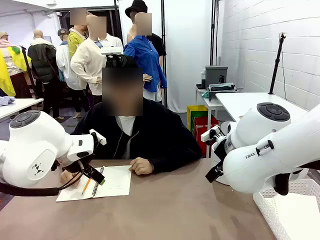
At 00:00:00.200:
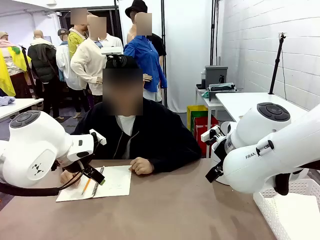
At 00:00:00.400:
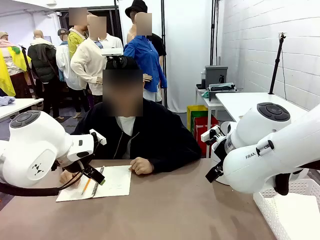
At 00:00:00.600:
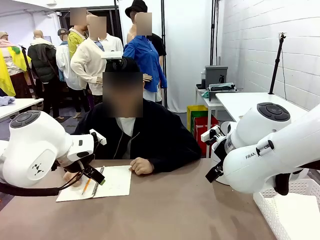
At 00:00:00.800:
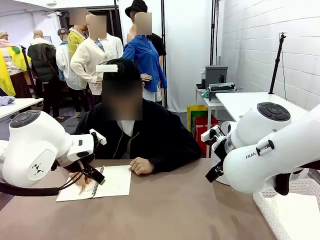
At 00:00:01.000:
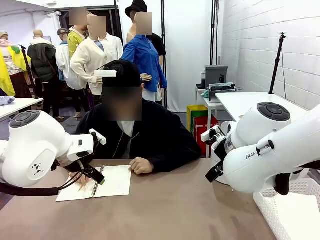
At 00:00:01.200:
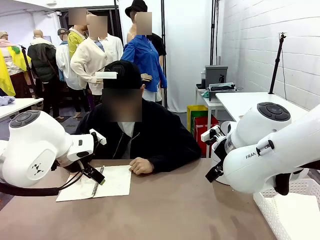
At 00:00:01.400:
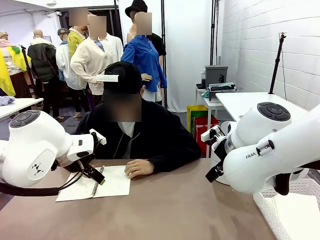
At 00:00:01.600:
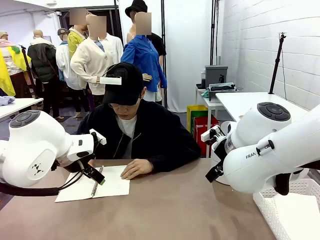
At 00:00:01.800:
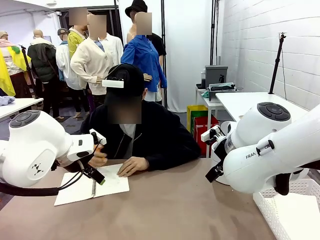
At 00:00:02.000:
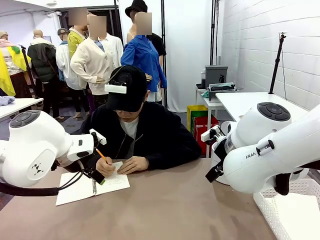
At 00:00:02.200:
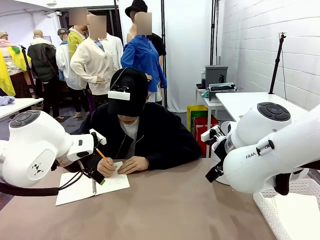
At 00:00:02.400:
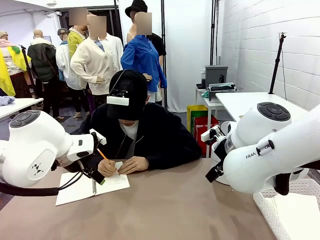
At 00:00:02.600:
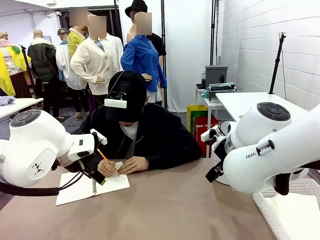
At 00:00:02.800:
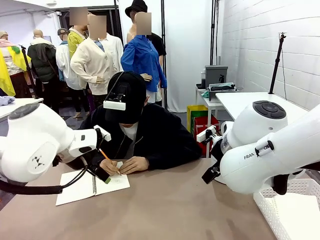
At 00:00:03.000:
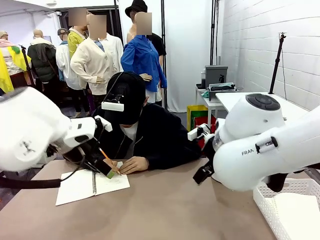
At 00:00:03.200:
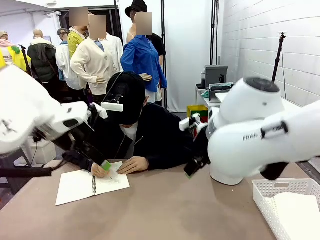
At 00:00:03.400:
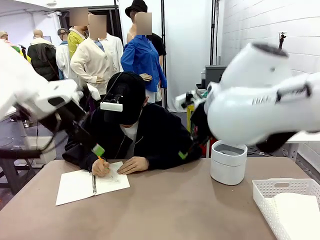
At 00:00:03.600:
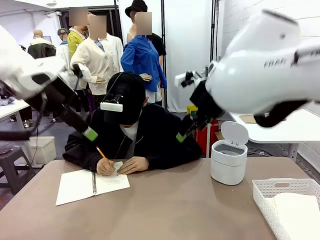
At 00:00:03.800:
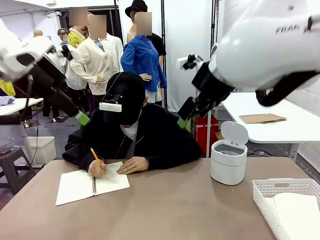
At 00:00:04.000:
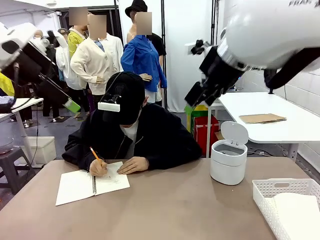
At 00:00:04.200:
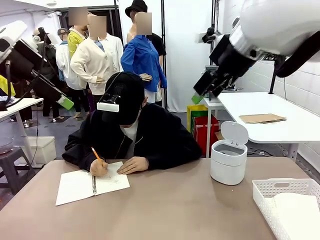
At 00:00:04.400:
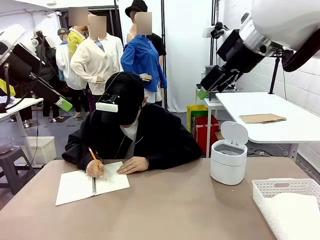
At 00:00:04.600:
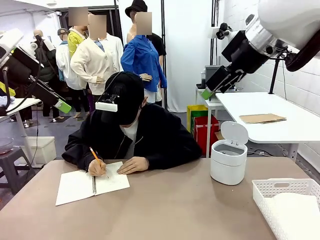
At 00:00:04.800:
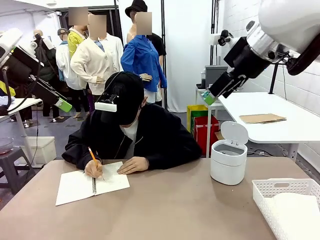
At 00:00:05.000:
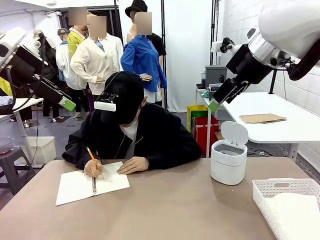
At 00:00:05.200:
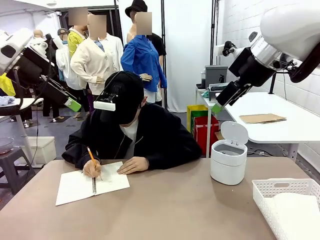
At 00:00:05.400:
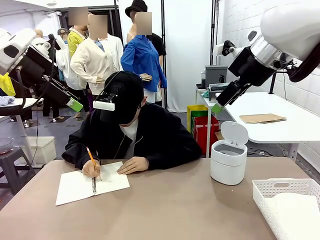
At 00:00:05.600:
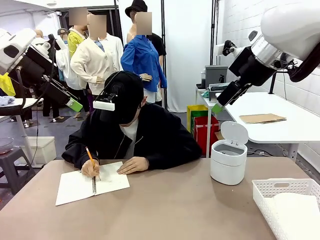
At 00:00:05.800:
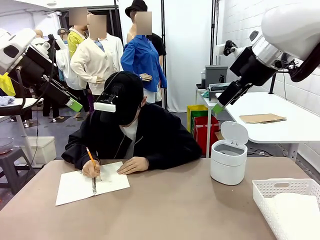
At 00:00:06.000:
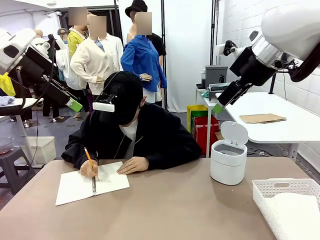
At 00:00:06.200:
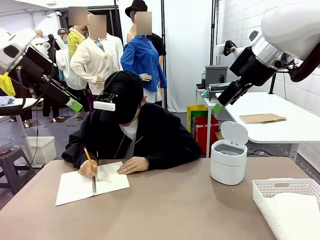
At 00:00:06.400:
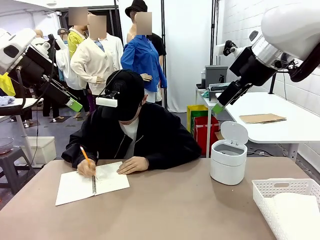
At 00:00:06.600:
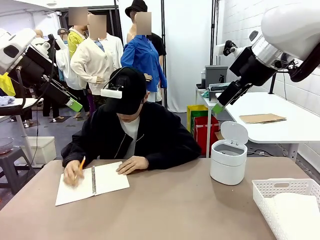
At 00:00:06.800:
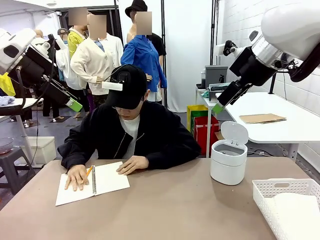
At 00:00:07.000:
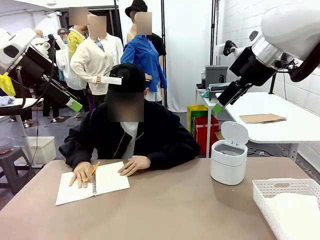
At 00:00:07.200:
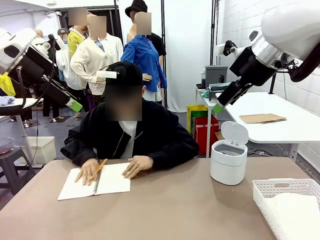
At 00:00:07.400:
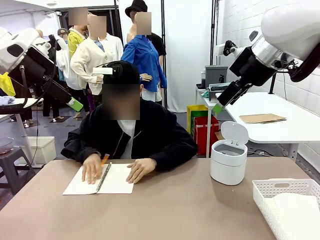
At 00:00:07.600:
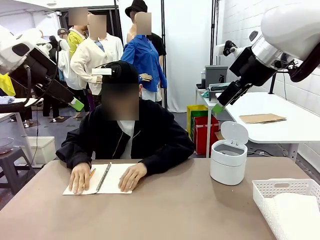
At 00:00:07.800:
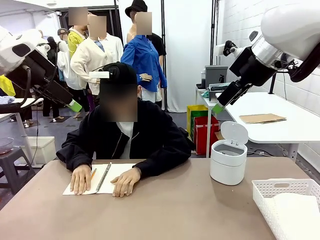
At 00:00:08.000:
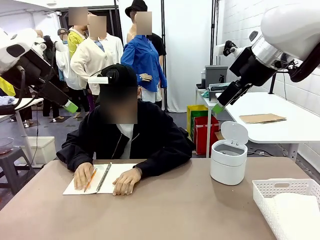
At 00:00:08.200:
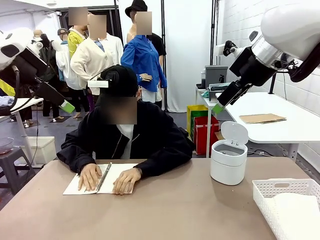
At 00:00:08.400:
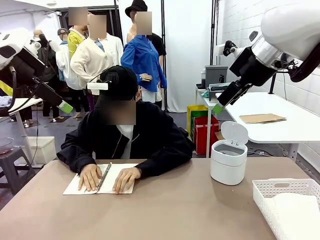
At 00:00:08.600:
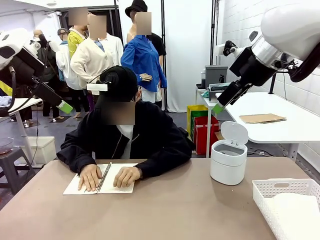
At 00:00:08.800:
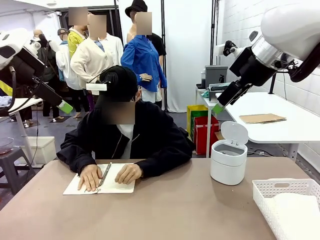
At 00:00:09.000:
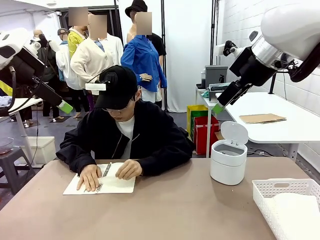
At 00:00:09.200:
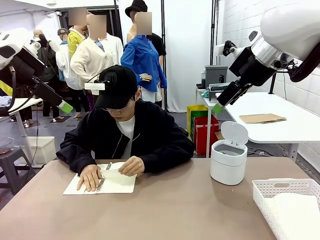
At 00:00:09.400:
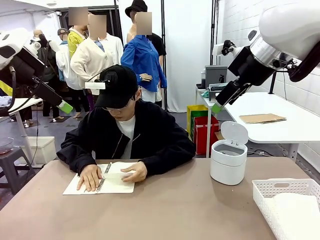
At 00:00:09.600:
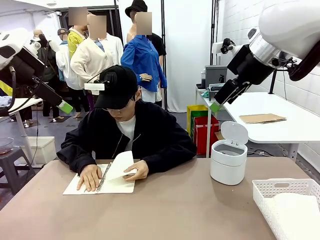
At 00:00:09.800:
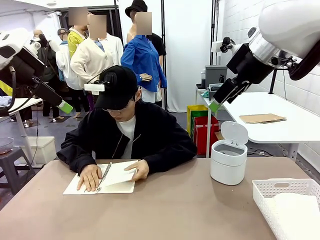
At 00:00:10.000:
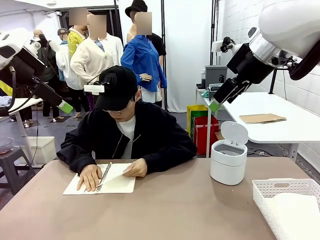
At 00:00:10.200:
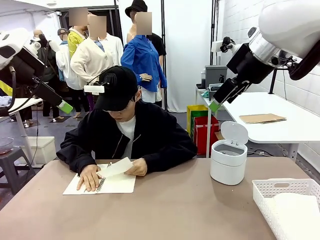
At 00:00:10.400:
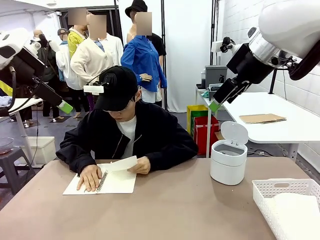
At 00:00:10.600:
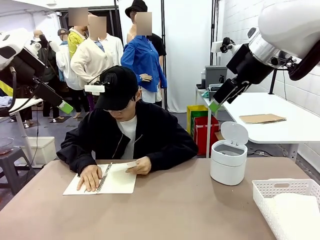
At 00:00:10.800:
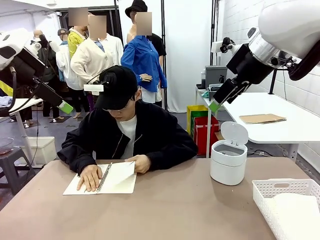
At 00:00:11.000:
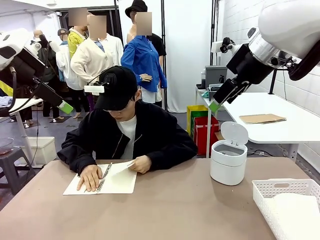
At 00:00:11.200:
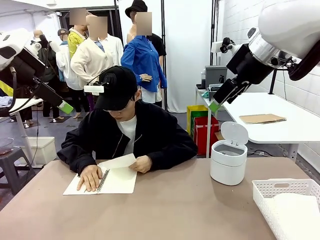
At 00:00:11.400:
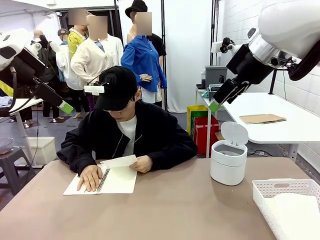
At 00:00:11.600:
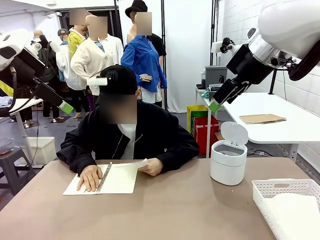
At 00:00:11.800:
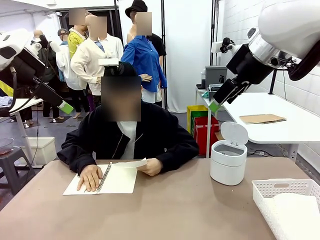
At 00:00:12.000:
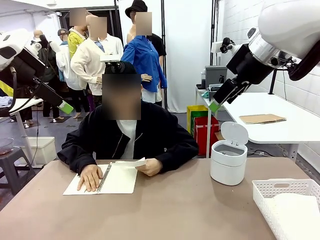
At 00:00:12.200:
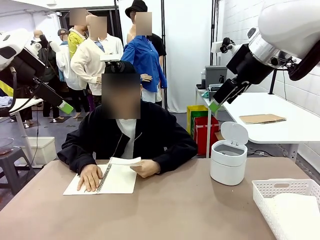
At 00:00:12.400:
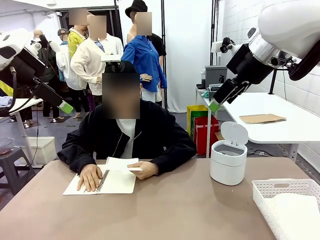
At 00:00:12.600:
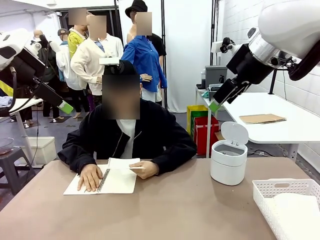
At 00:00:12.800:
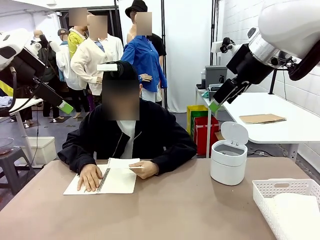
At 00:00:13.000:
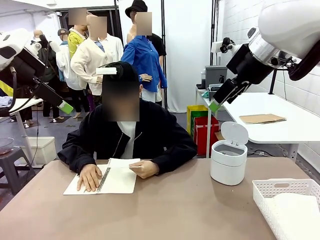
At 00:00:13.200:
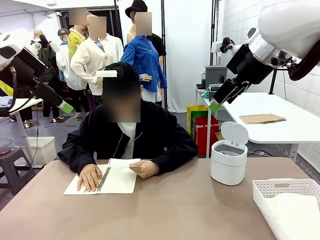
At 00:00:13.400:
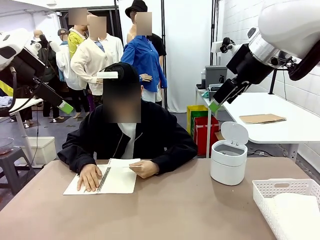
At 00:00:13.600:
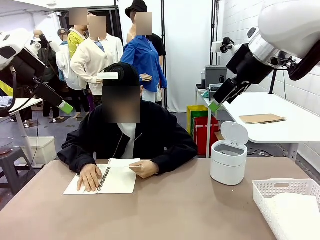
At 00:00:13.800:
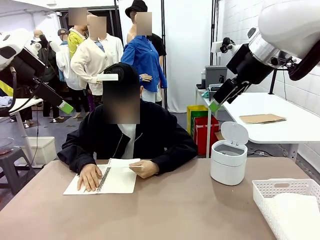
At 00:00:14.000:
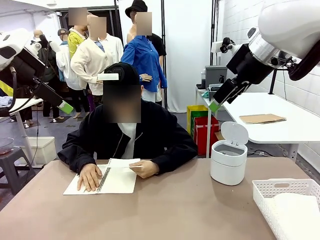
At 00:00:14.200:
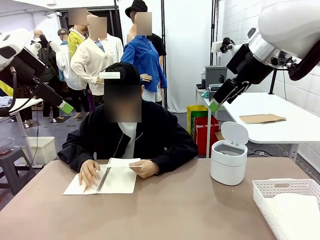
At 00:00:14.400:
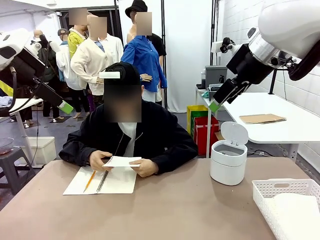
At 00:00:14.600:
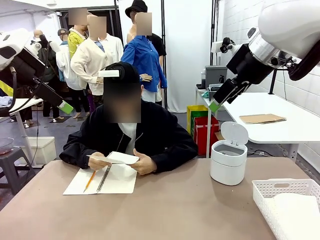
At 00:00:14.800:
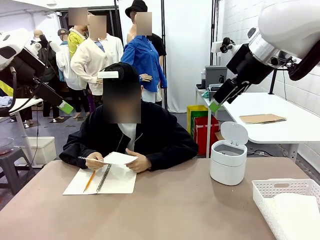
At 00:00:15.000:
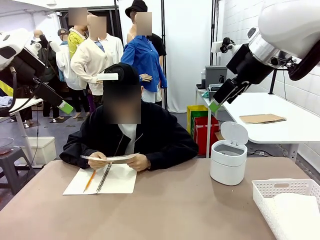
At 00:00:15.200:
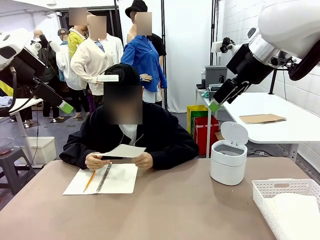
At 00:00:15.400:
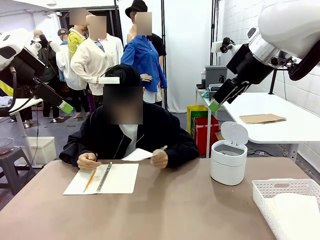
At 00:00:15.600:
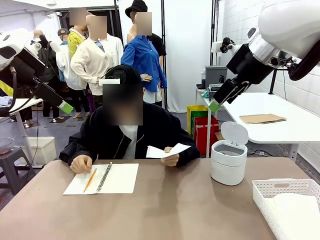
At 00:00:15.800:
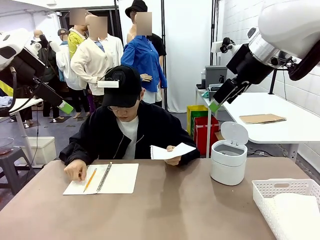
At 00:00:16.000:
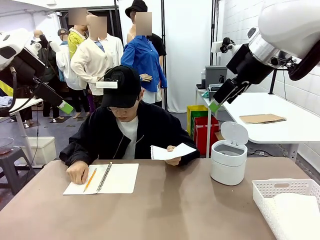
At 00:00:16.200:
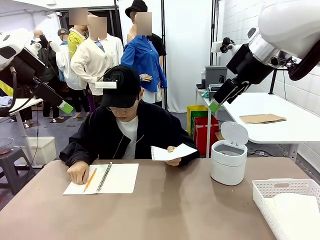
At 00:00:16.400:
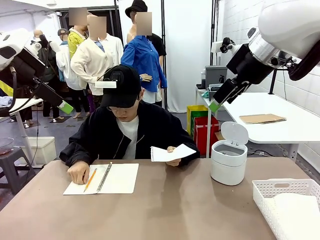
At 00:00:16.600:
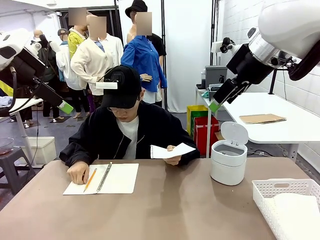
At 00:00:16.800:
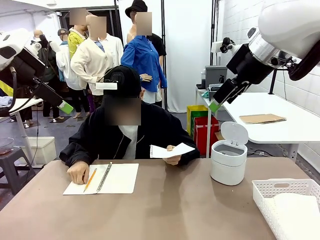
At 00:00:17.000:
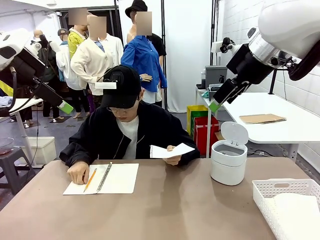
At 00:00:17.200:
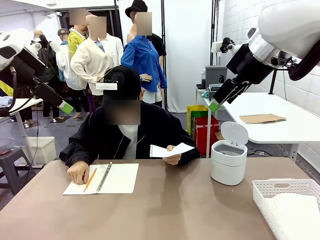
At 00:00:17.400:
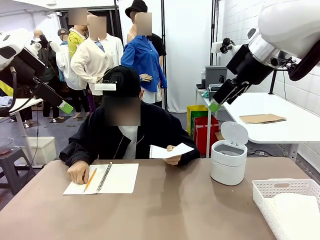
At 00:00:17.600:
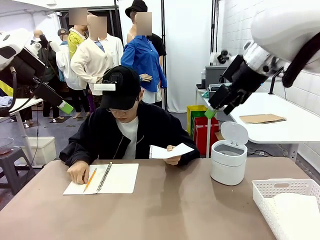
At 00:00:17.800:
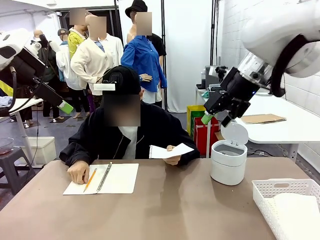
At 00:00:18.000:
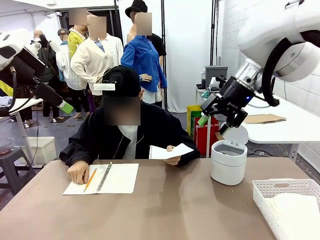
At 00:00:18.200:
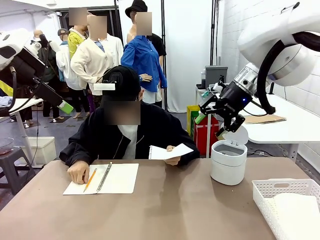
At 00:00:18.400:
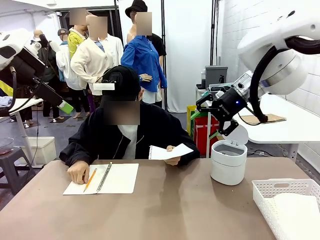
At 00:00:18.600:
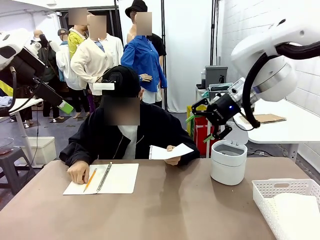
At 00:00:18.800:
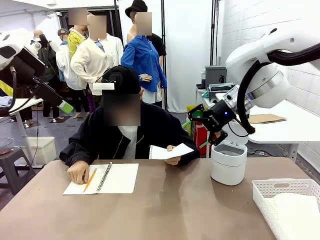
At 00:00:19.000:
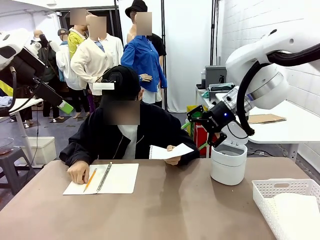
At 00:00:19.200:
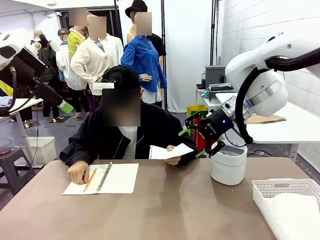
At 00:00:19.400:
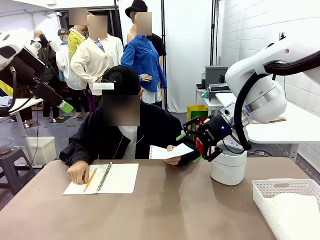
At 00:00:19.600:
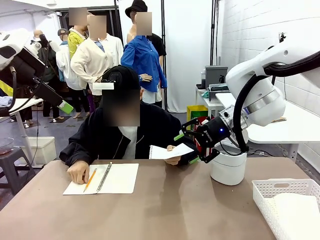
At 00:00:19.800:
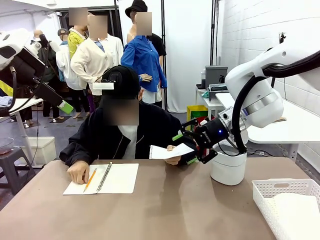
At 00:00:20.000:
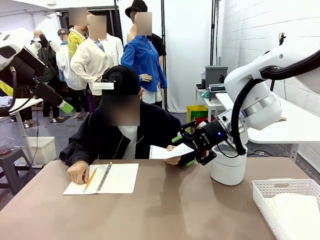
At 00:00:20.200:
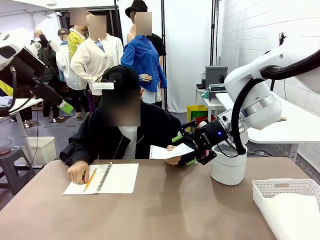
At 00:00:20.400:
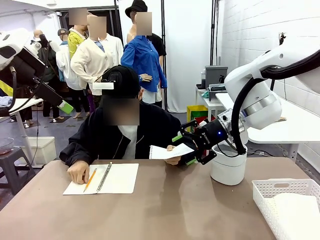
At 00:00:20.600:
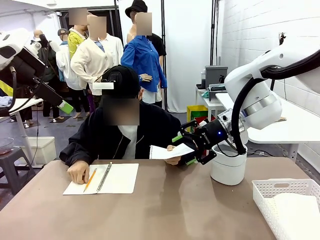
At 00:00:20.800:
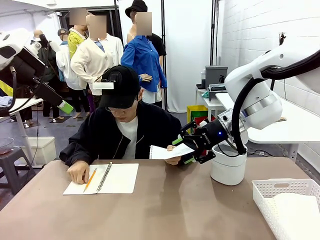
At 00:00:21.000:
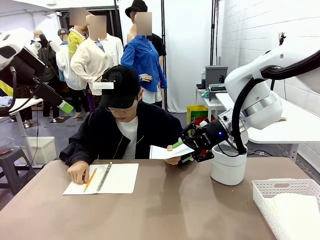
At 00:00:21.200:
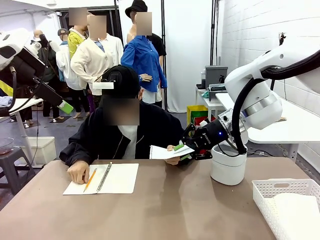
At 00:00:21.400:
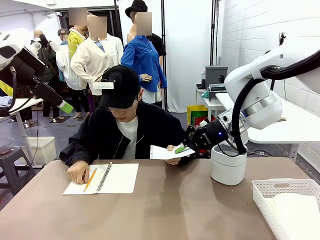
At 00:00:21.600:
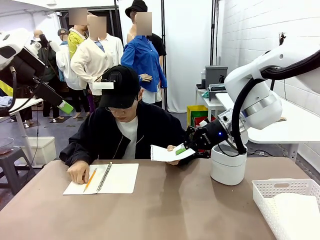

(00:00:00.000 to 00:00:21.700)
Task: Sort the paper based on its condition.
Robot: If a person hands you a paper, place it in the Organizing basket , and if it's crumpled, put it in the Trash can.
Person: Tear out a page from the spiral notebook. Hand the torn page to the robot or crumple it and throw it to the center of the table.
